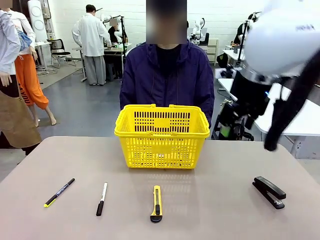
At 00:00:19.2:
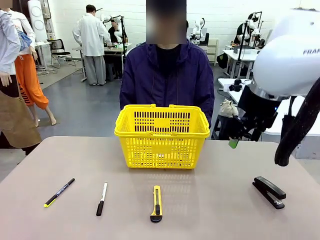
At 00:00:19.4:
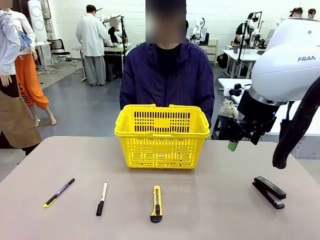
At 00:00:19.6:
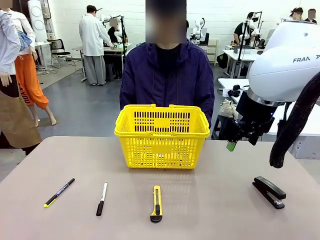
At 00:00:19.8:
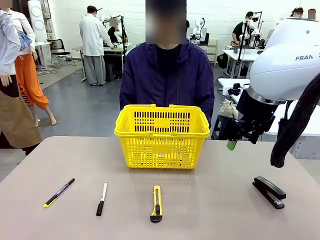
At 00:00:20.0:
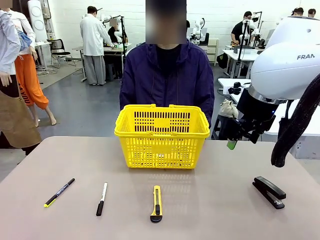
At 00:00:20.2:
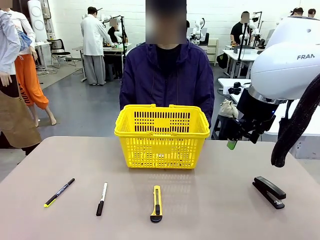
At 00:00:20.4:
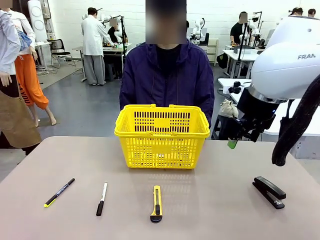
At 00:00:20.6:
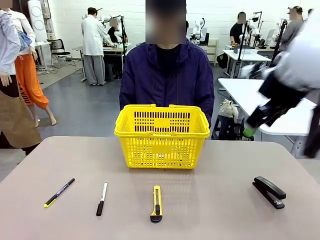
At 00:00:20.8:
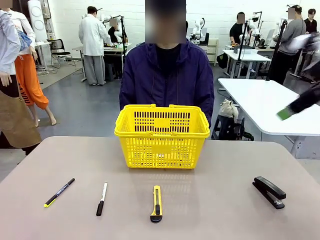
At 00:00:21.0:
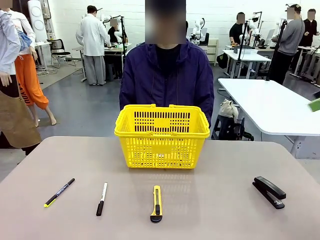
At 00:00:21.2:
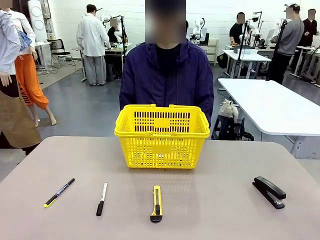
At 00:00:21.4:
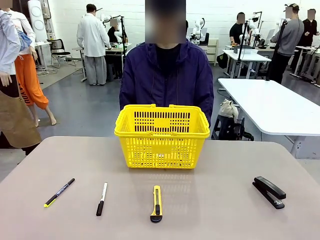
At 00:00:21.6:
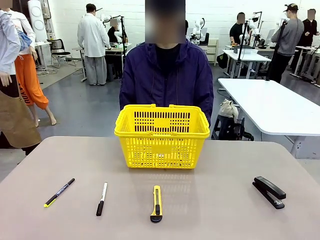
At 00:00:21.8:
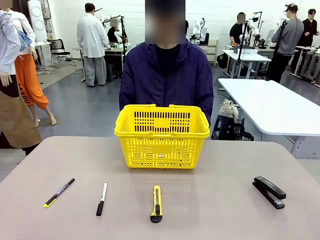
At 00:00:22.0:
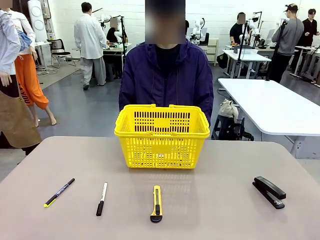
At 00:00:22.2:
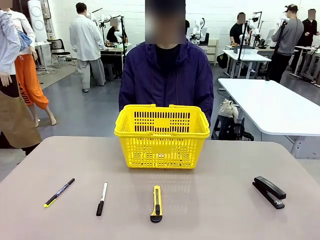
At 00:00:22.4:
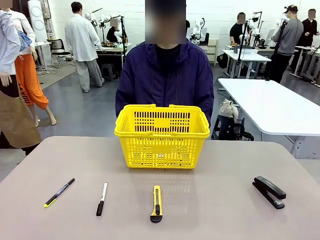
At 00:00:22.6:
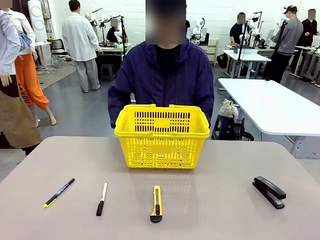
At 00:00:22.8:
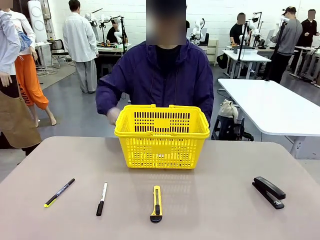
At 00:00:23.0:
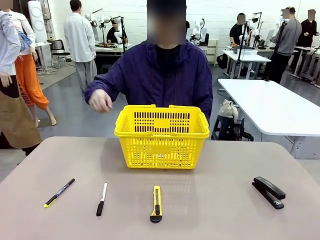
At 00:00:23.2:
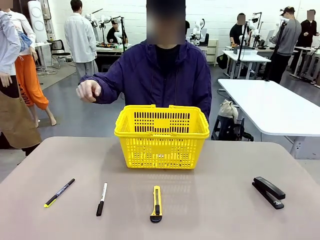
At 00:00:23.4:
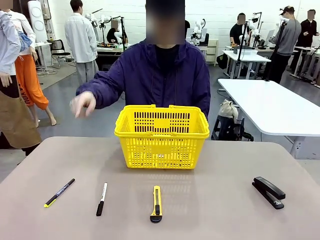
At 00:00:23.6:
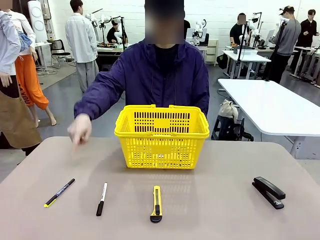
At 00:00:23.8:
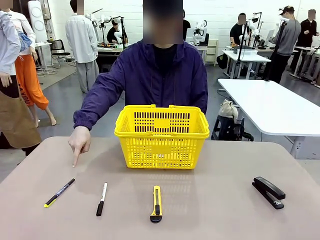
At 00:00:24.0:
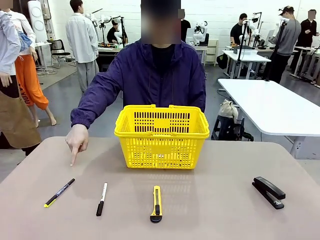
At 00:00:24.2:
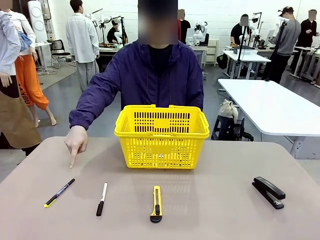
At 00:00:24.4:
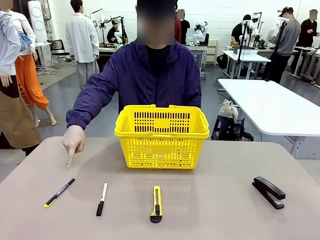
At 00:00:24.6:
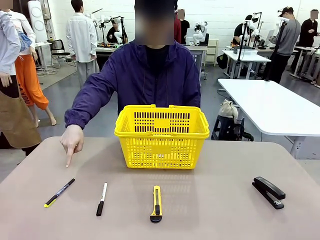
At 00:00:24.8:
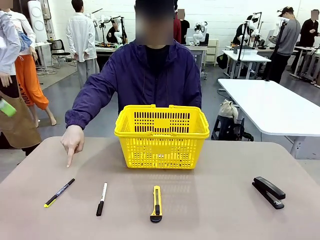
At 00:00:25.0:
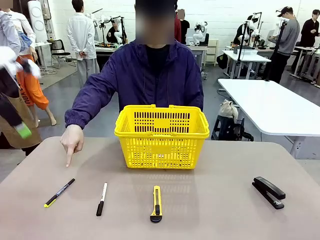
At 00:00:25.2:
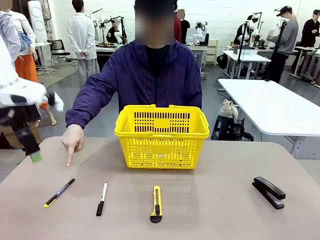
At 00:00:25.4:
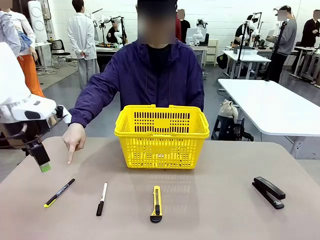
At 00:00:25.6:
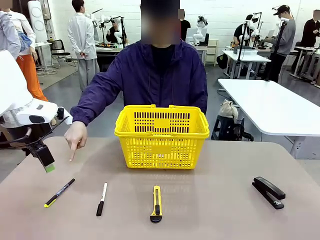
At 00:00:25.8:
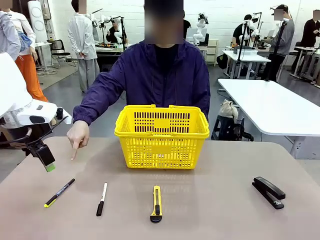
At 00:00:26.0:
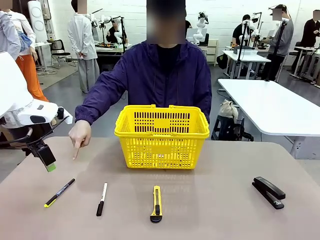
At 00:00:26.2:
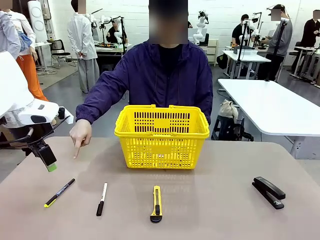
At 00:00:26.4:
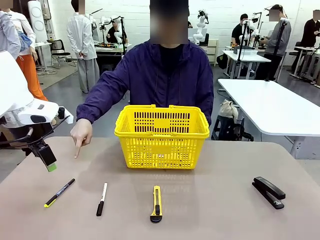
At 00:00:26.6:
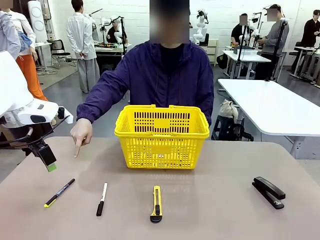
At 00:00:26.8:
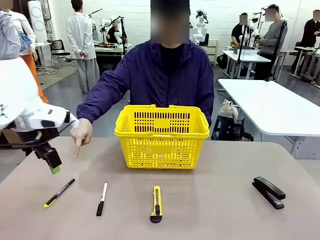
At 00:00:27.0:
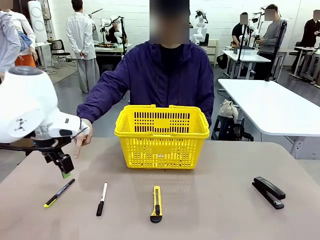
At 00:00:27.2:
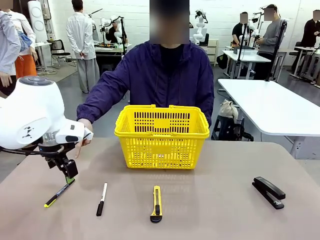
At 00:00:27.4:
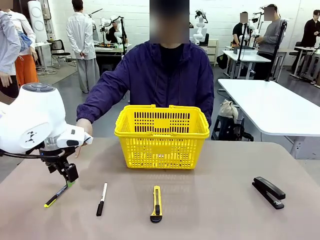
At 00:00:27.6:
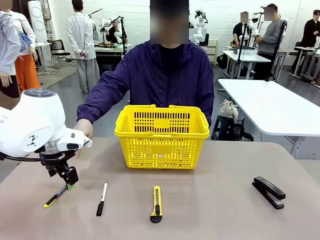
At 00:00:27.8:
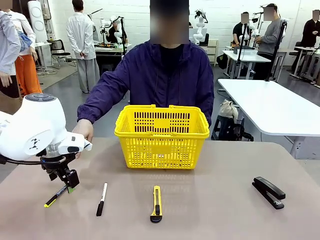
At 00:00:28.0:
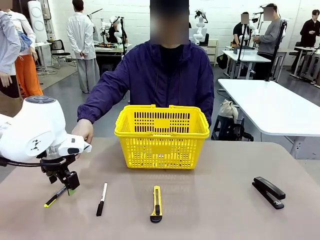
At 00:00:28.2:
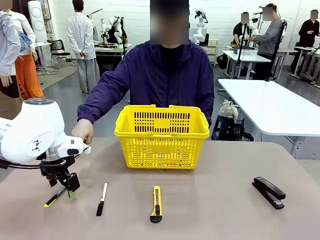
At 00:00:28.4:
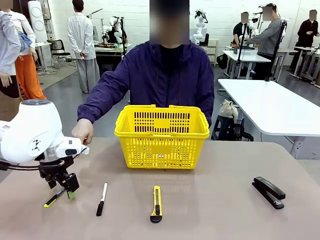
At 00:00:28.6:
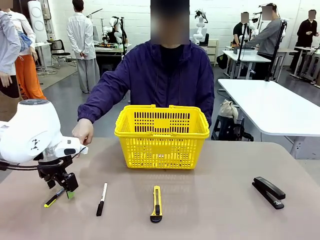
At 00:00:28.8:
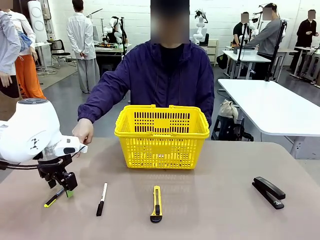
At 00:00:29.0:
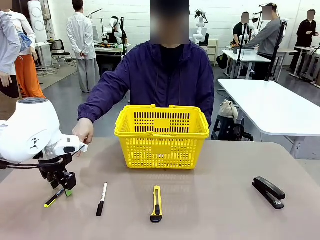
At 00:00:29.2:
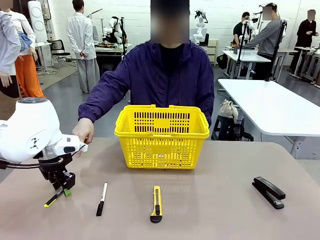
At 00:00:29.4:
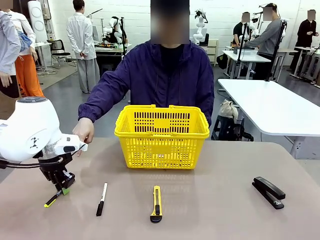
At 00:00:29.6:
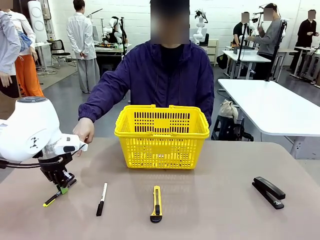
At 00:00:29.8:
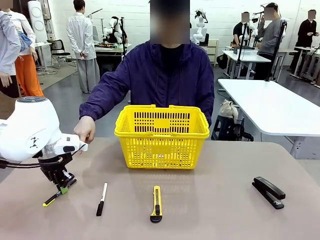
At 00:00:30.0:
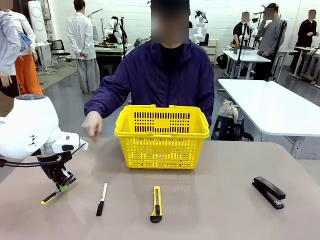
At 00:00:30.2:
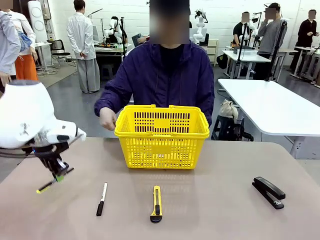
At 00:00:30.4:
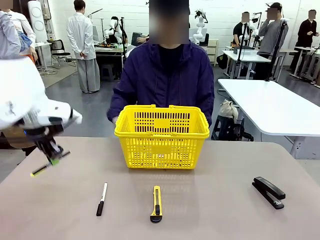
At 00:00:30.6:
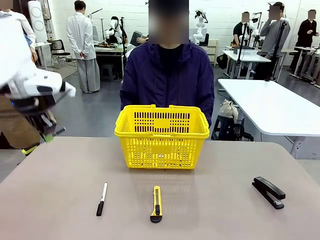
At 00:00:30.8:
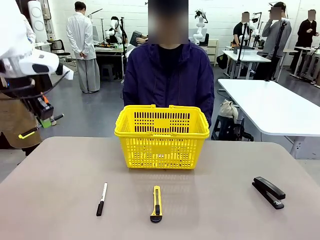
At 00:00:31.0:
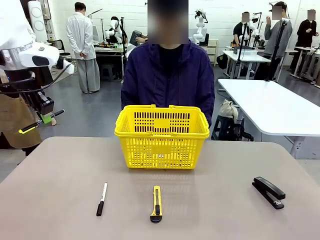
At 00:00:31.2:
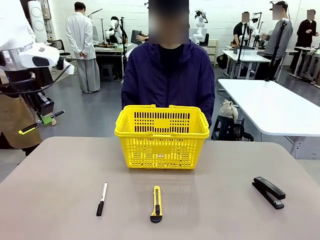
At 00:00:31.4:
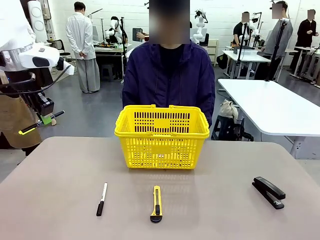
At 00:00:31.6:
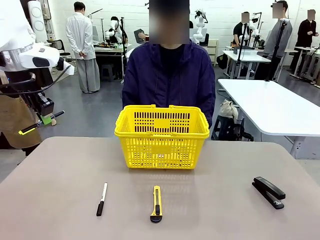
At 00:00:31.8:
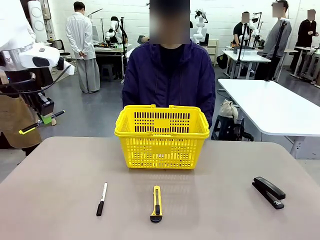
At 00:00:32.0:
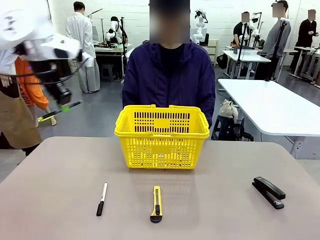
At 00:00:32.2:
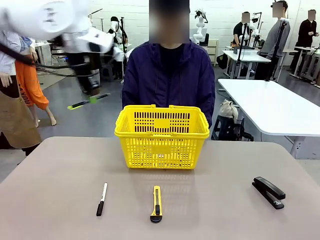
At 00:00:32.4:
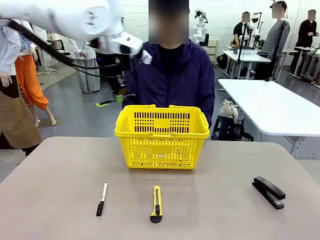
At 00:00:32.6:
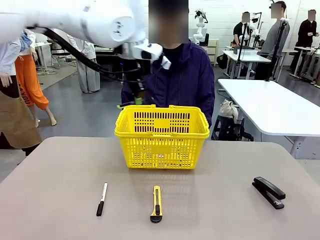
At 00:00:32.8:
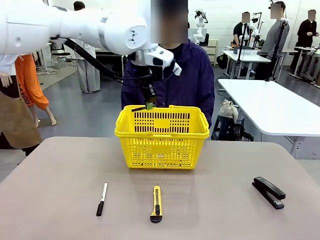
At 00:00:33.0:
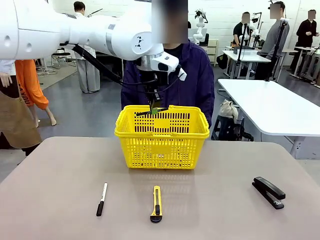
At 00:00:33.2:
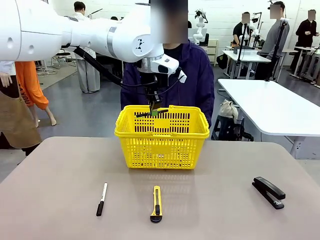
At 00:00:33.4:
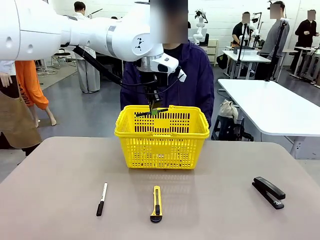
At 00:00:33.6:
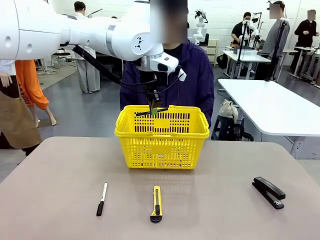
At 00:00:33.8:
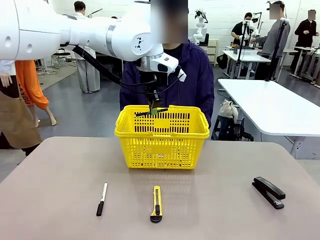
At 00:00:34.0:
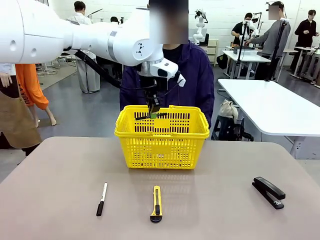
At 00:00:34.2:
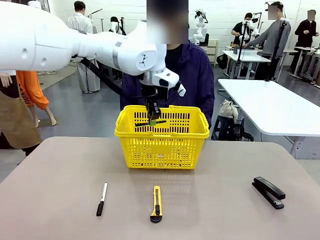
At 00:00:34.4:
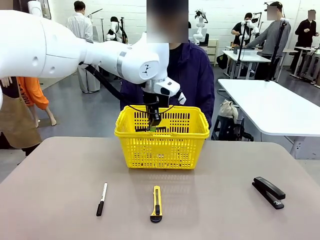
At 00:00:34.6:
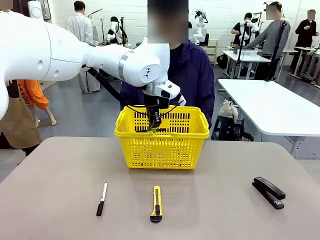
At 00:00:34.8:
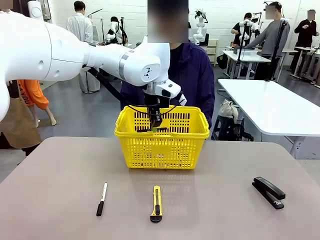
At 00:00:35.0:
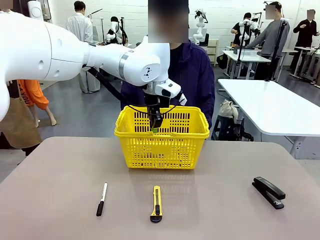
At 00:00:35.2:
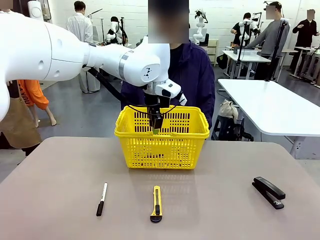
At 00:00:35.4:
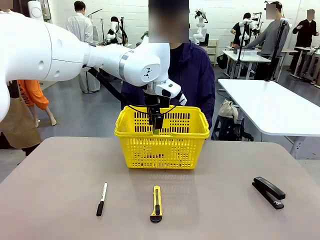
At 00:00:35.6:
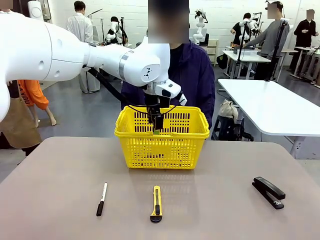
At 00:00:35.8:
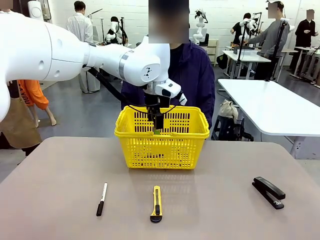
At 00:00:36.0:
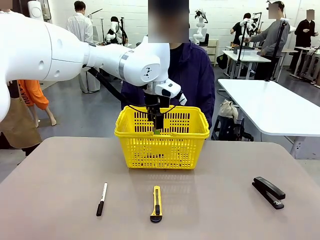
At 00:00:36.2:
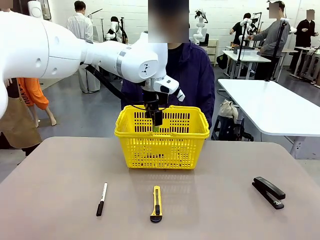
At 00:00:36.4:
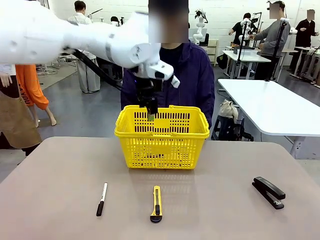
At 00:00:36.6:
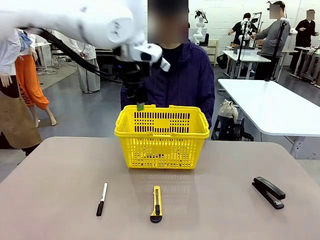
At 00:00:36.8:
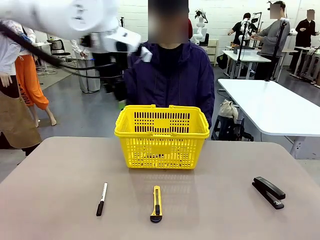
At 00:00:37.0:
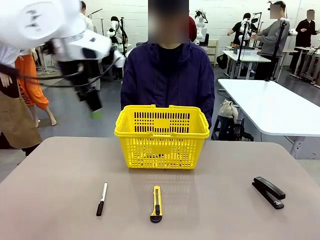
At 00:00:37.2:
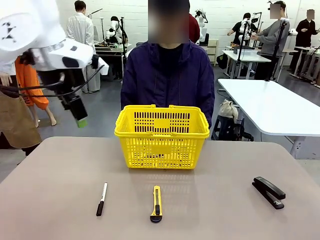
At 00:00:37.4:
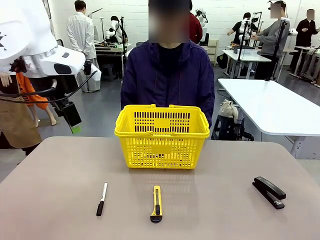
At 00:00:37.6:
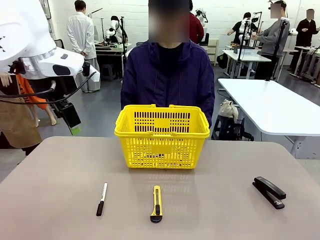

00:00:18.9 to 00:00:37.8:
Task: Place the items the person wants into the basket.
Robot: Pick up the item the person points to and place it in the Market Basket.
